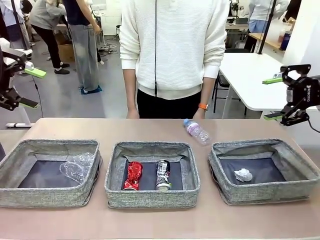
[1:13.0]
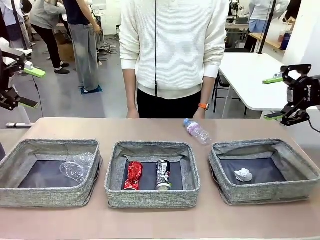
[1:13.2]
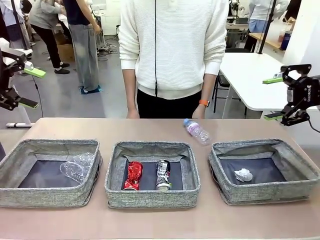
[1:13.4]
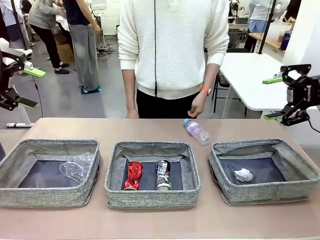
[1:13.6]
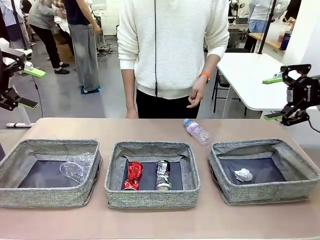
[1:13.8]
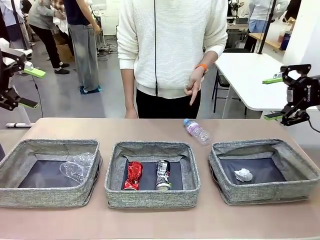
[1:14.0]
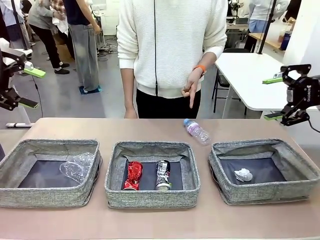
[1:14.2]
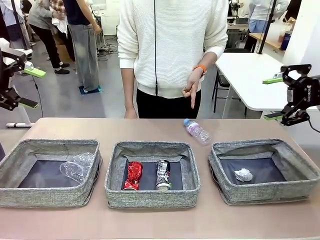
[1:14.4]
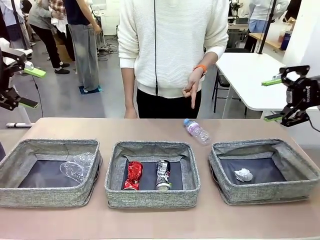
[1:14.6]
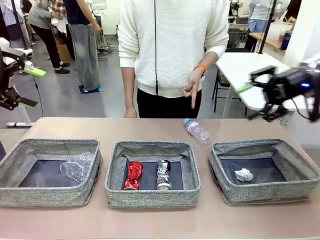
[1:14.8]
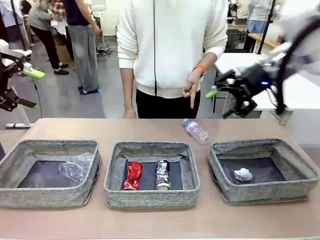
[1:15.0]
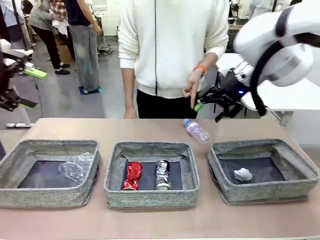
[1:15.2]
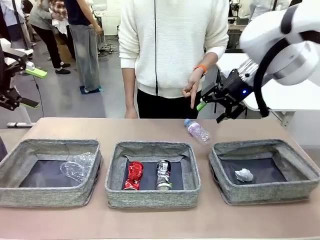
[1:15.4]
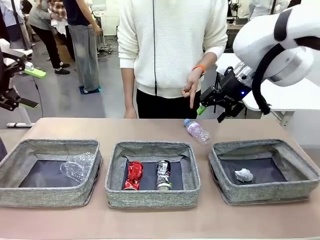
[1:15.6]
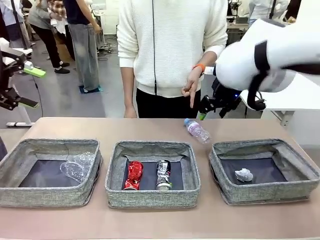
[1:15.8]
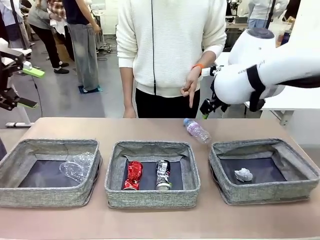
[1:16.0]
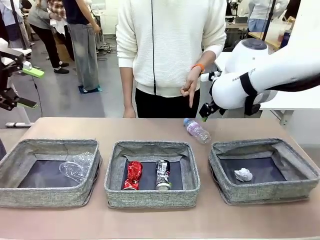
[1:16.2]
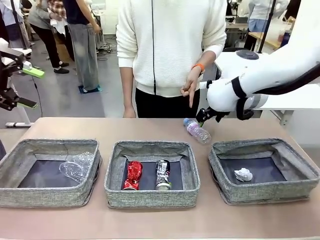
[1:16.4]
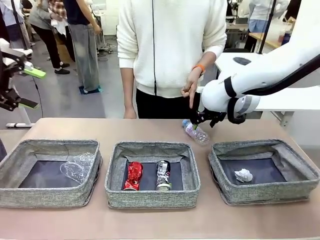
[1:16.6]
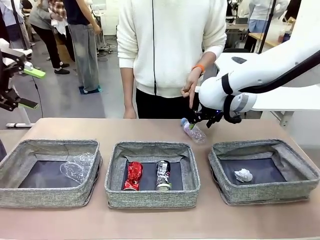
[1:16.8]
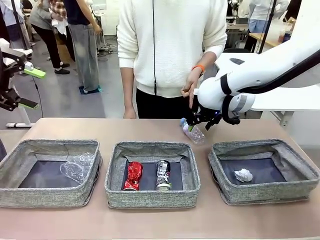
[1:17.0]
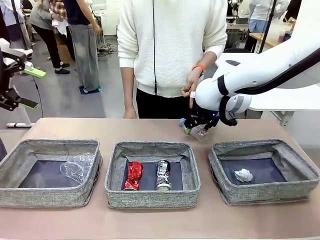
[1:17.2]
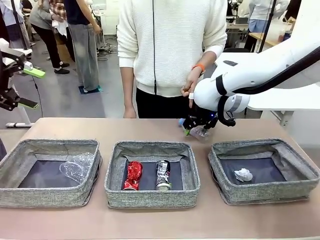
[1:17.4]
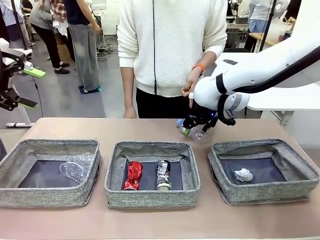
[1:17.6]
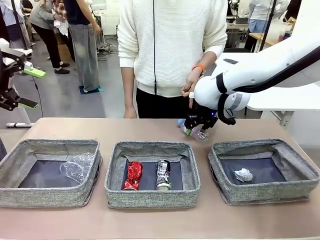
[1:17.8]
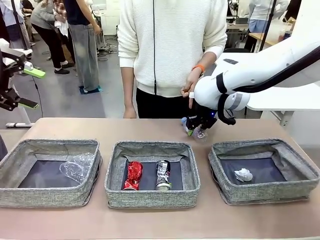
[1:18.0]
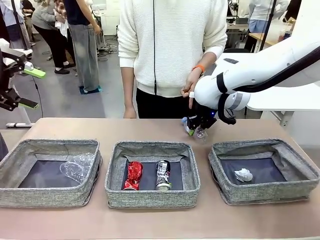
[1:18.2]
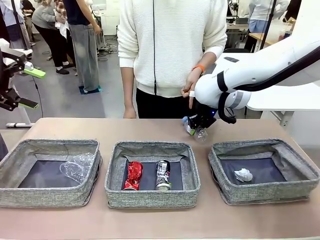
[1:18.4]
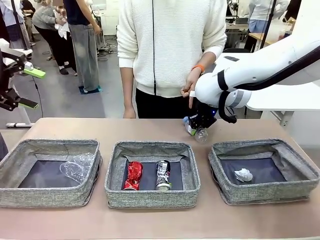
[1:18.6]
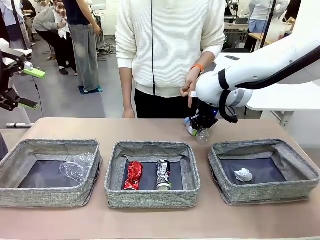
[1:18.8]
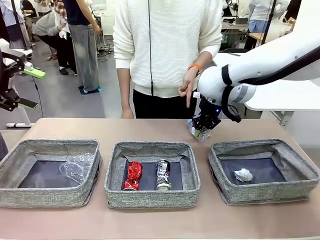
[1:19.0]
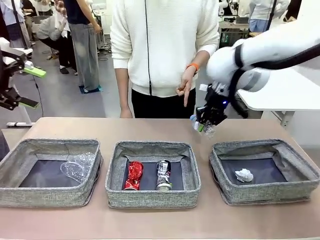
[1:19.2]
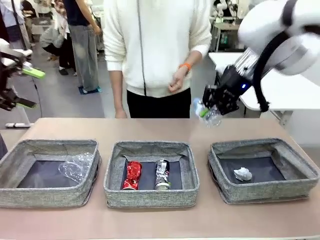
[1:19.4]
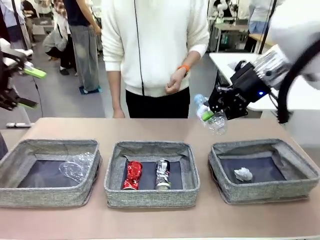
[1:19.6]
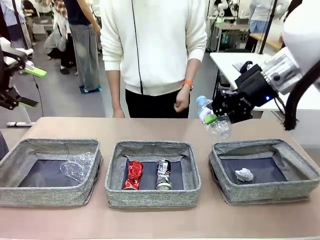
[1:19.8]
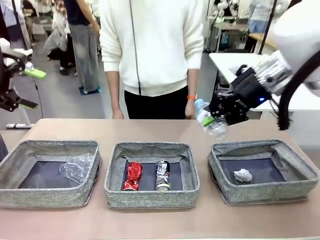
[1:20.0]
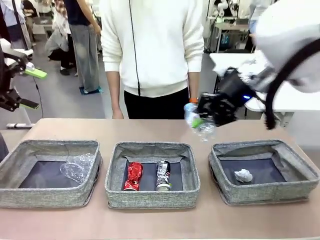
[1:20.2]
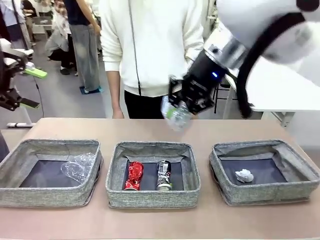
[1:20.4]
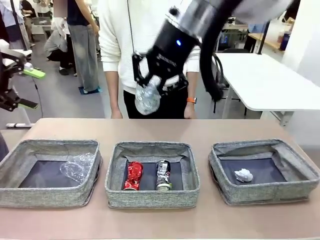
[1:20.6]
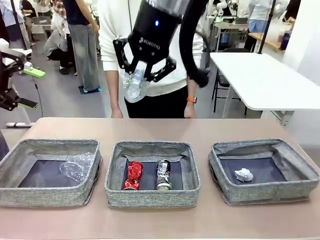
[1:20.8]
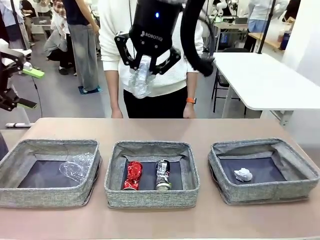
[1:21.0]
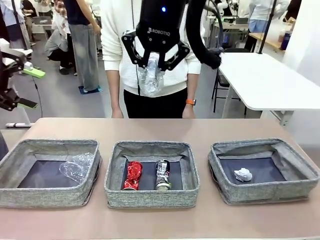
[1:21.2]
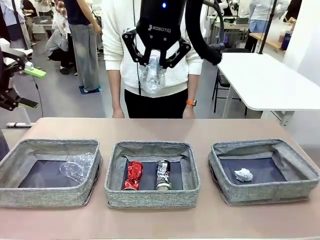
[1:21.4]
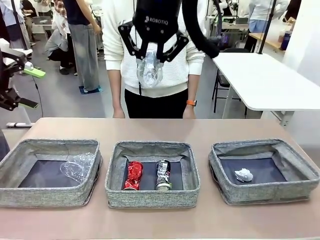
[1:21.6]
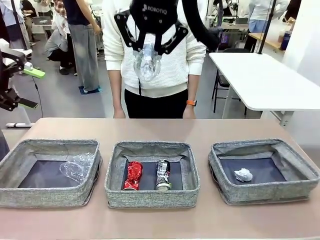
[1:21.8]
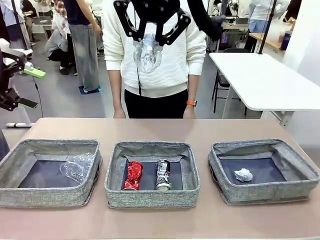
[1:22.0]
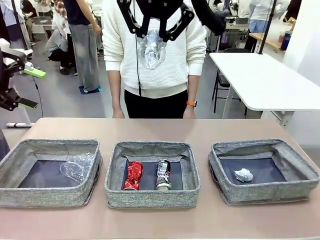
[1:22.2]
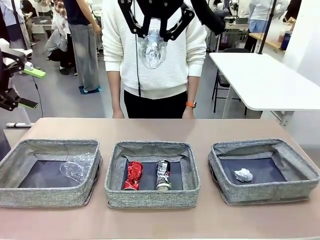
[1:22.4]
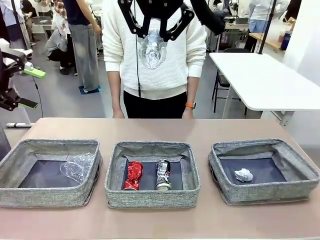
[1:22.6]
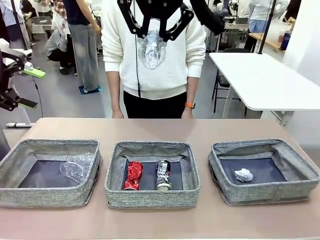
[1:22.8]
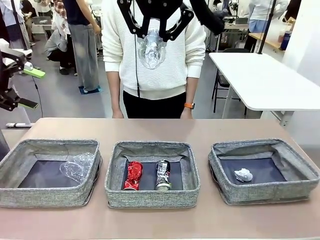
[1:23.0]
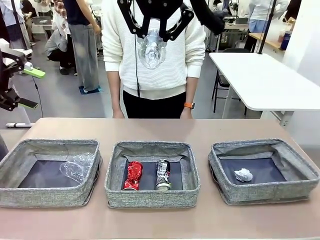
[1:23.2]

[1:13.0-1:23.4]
Task: Sort the waste into the appropriate baskets.
Robot: Pick up the waste item pointed out by the person.
Person: Points to one piece of trash on the table.

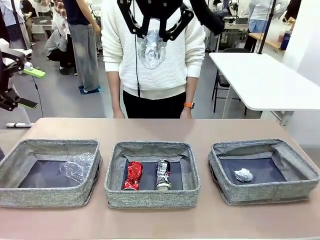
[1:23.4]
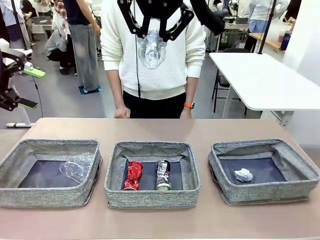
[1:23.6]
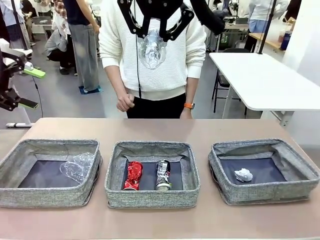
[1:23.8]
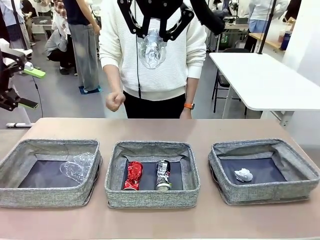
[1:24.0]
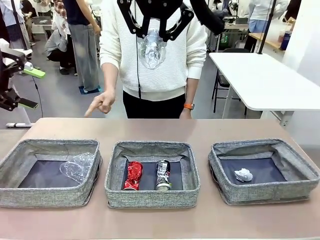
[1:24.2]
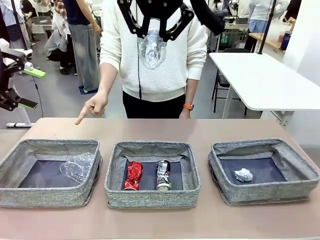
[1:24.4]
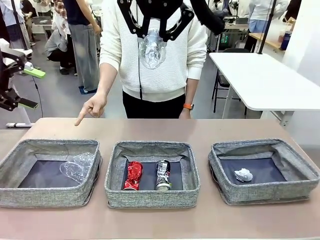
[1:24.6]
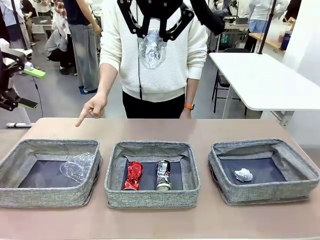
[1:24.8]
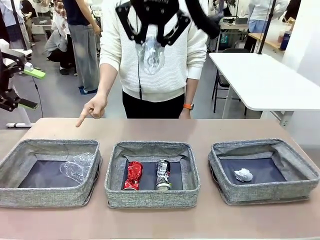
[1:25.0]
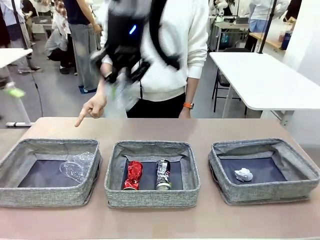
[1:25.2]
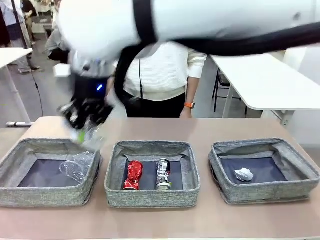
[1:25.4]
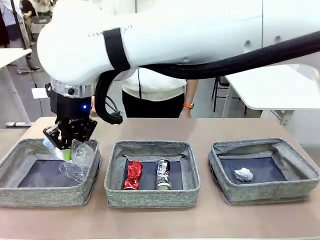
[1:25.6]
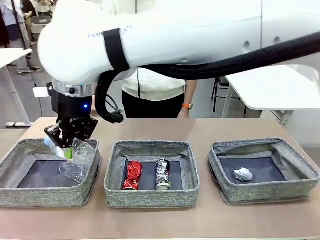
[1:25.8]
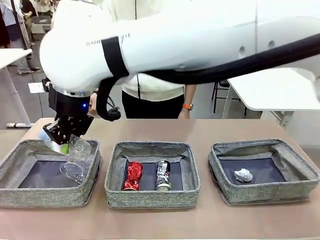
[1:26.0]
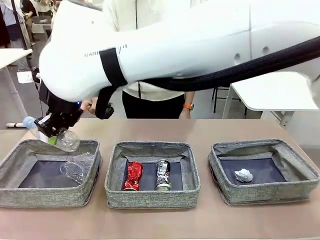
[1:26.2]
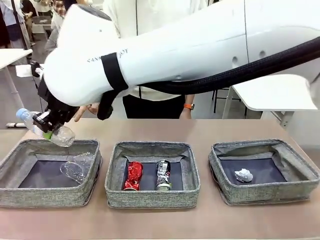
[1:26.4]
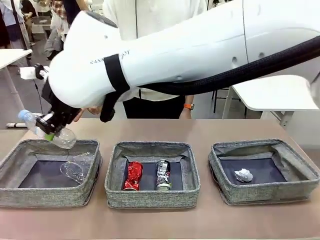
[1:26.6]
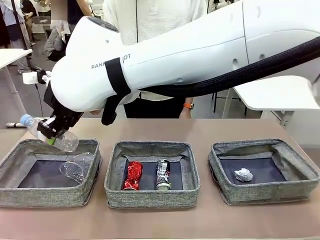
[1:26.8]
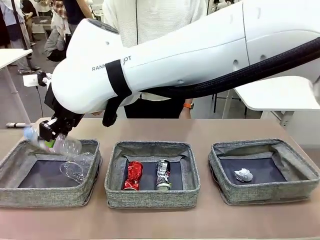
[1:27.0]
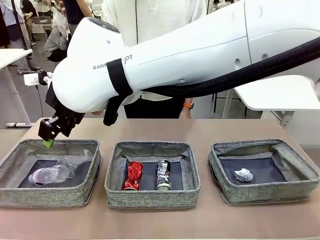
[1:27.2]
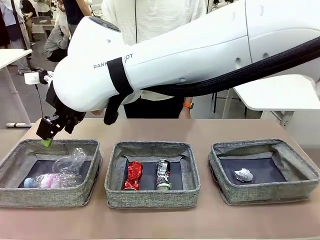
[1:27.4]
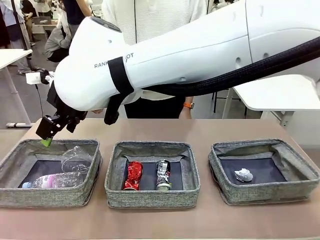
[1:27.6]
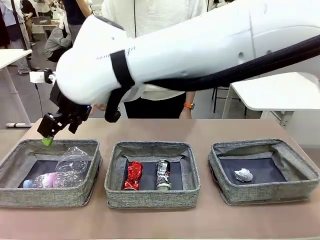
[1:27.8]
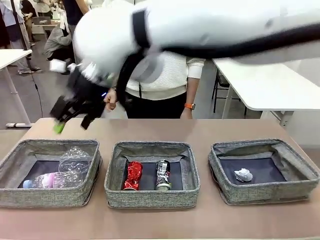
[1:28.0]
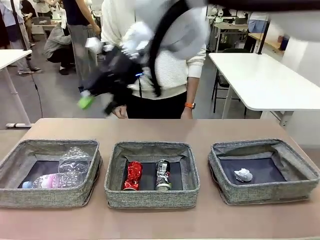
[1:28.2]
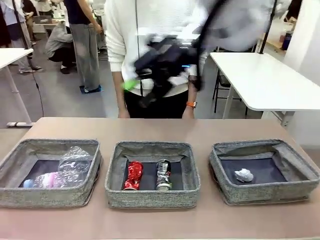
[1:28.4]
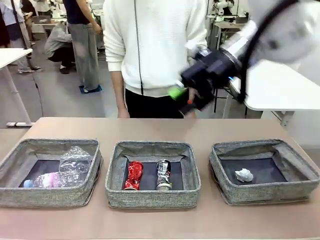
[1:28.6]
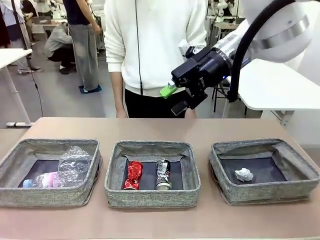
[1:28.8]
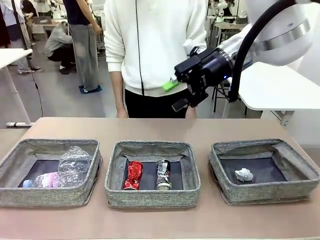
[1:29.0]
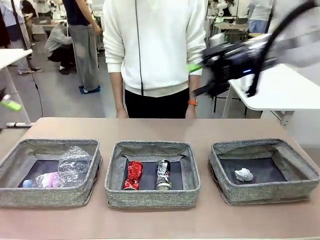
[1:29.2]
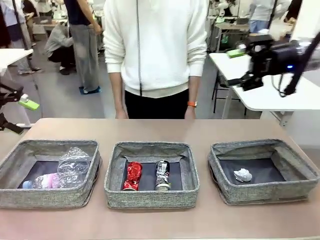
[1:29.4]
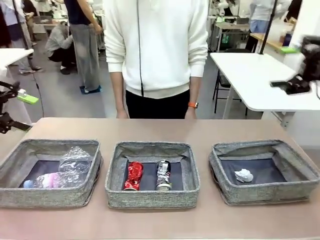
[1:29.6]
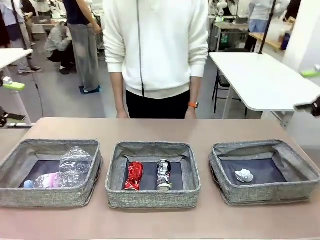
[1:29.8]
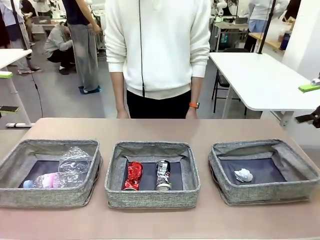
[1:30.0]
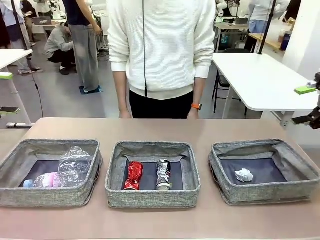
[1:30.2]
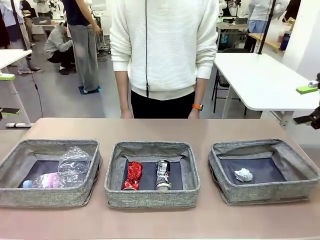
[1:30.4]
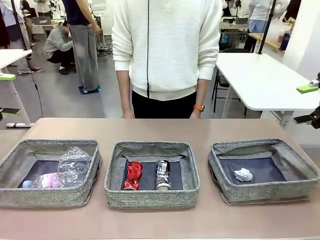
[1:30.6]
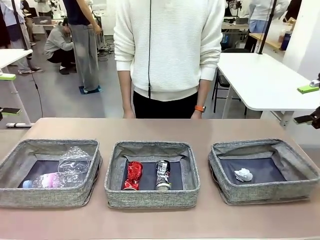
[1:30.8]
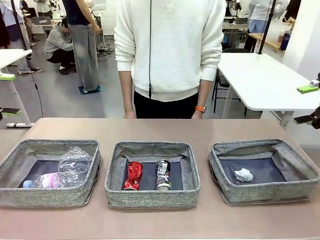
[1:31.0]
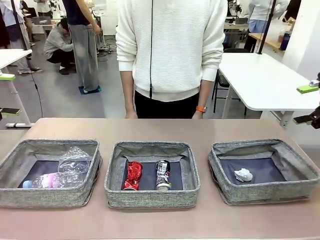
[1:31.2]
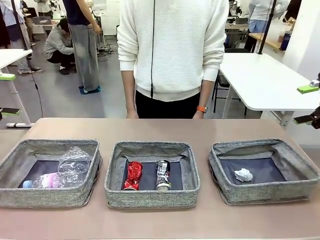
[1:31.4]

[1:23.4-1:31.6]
Robot: Place the picked waste into the Fabric basket indicated by the person.
Person: Instructs the robot to place the picked-up trash into the appropriate organizing basket.

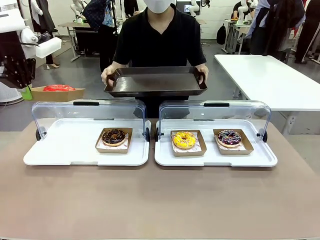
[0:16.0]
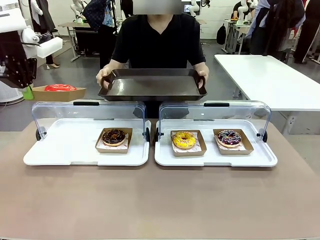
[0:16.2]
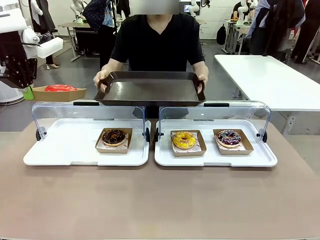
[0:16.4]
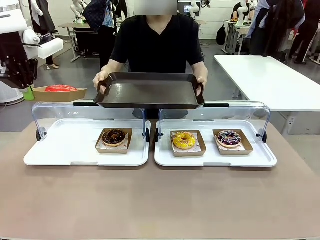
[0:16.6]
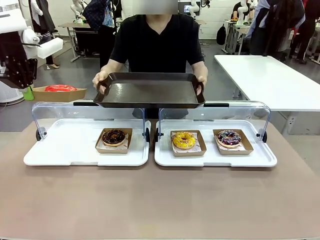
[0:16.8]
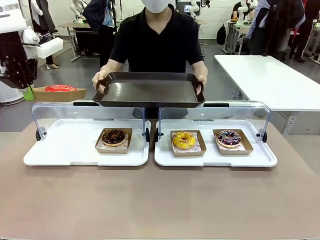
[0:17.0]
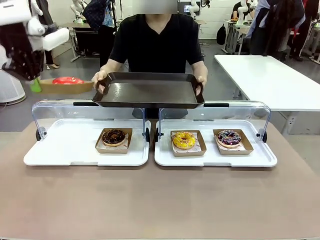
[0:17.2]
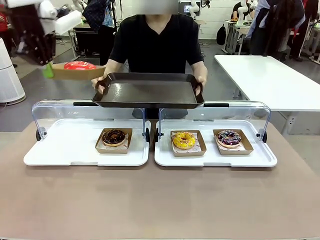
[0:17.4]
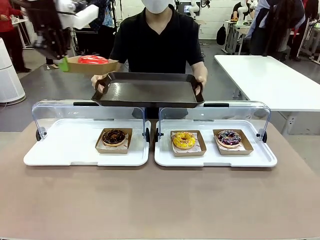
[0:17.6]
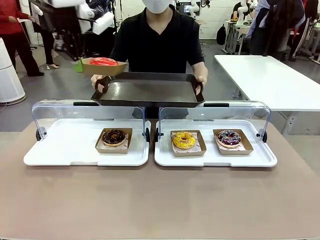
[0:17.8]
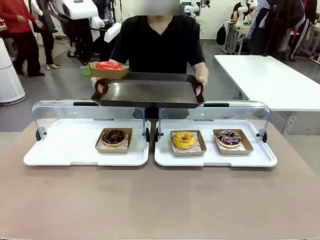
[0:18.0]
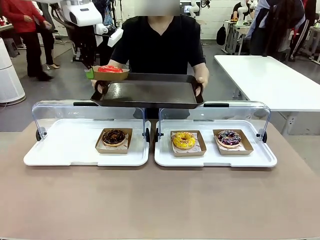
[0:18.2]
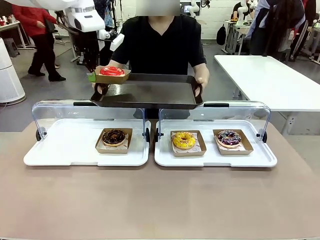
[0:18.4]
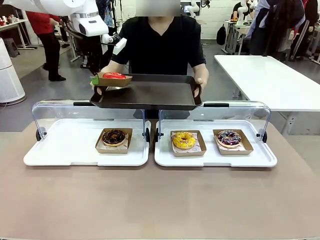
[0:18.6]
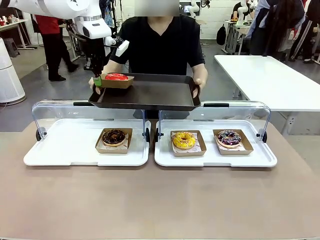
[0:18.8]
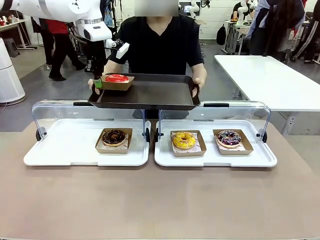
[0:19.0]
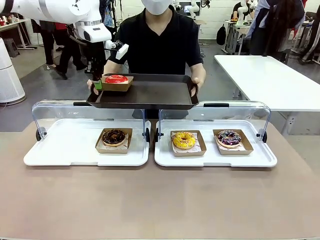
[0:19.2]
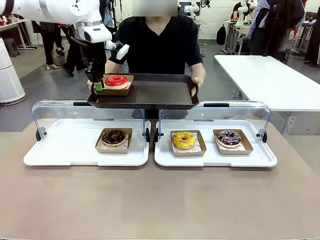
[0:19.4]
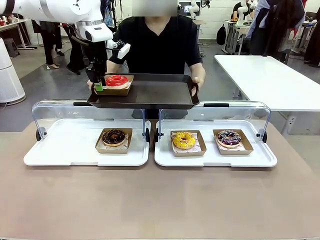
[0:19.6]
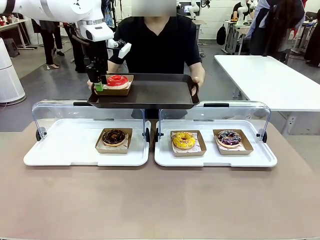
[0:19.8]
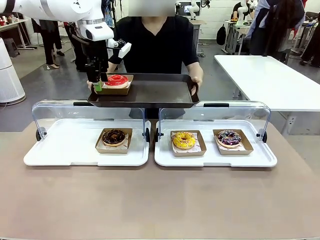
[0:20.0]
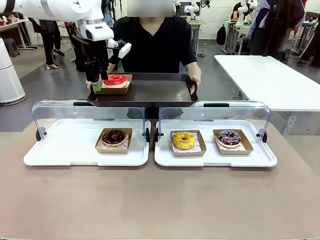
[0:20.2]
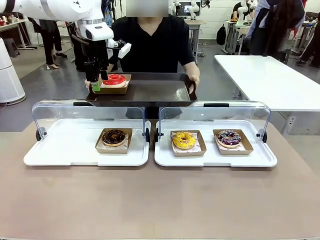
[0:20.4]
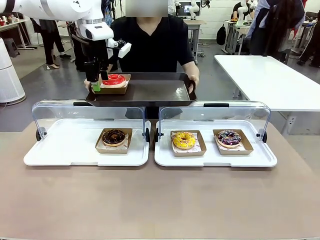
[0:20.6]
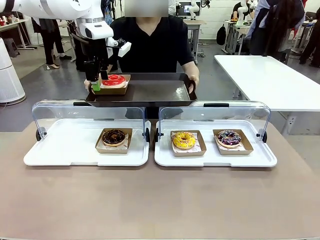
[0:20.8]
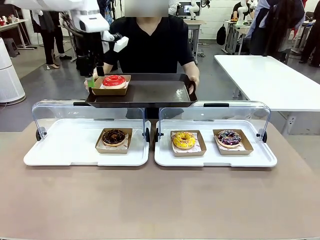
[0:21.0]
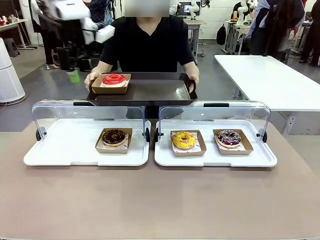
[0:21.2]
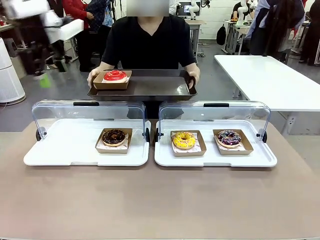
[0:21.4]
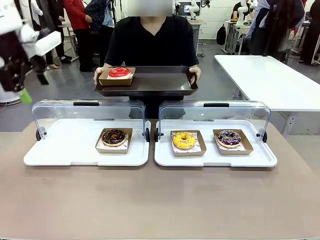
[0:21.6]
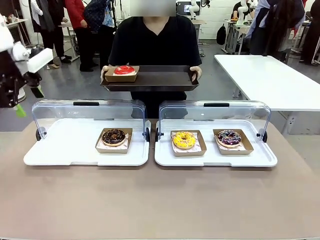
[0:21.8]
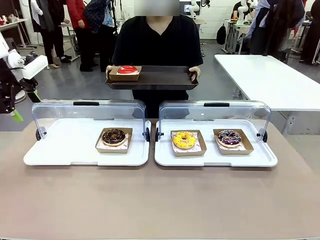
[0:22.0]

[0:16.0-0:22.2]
Task: Provide the desired donut to the person.
Robot: Place the picked Paper togo box onto the Handle tray extended by the person.
